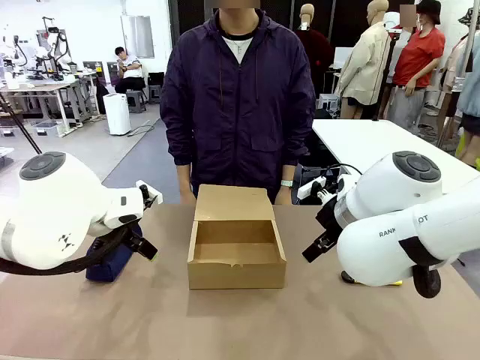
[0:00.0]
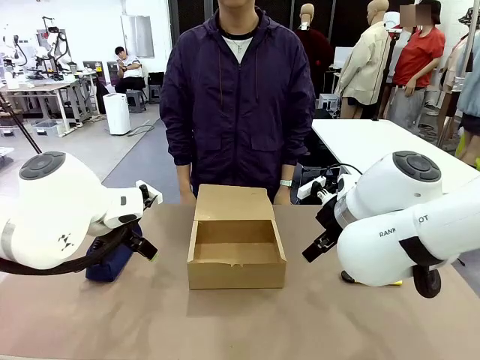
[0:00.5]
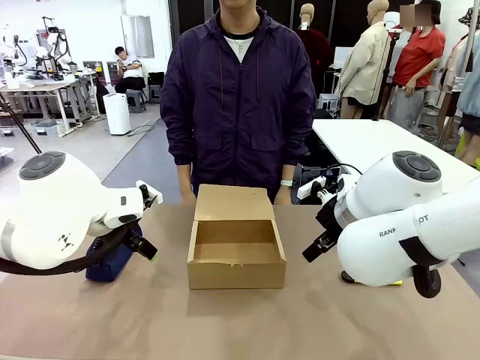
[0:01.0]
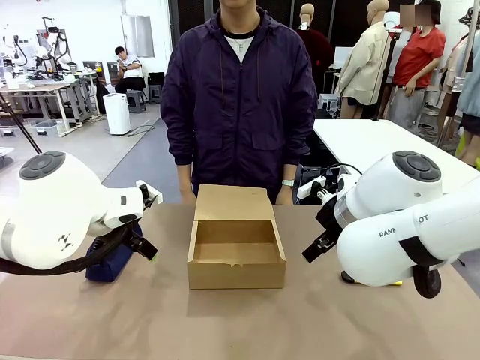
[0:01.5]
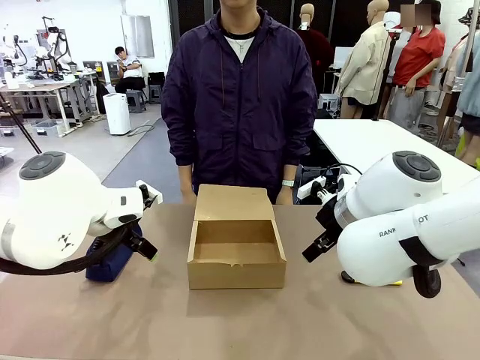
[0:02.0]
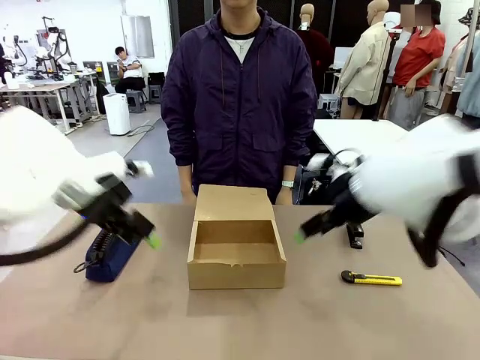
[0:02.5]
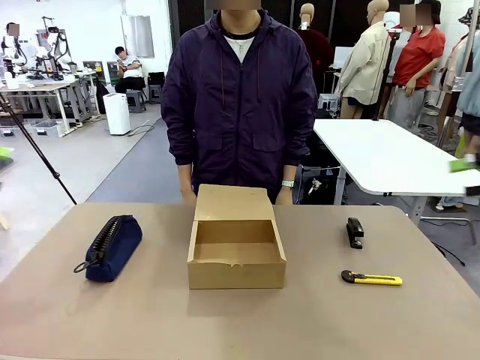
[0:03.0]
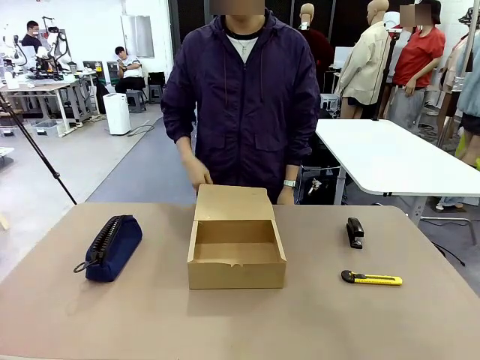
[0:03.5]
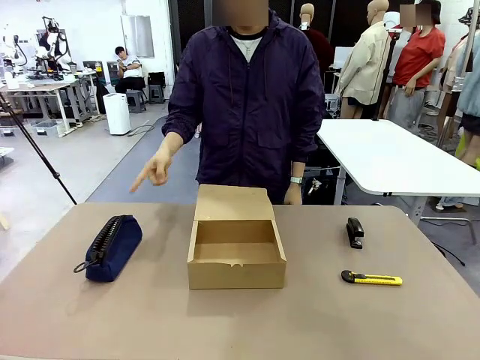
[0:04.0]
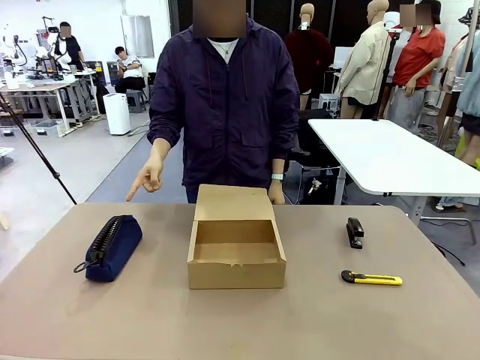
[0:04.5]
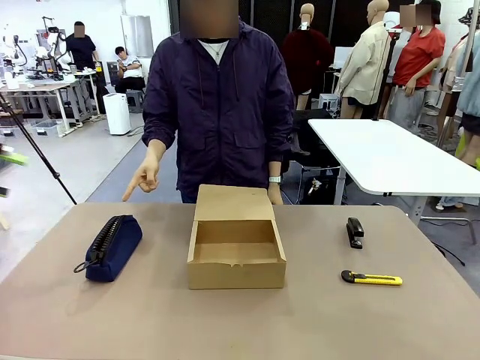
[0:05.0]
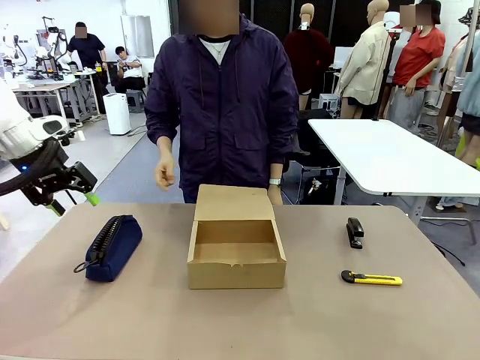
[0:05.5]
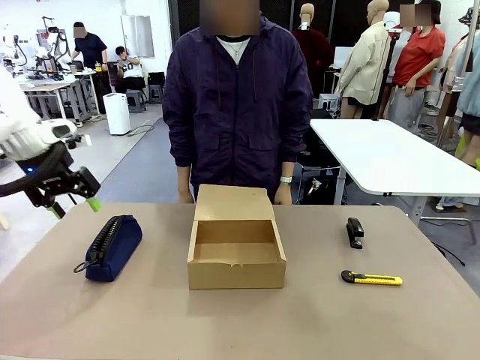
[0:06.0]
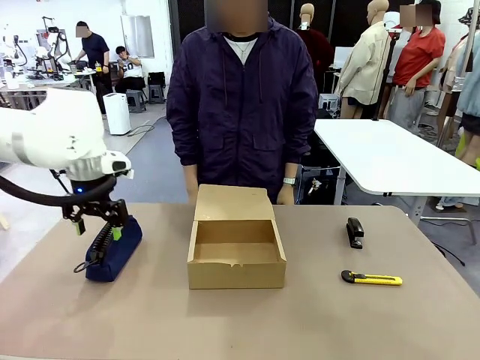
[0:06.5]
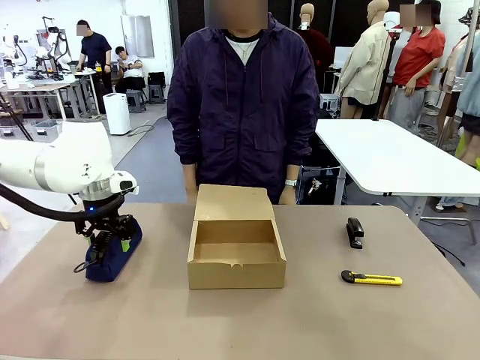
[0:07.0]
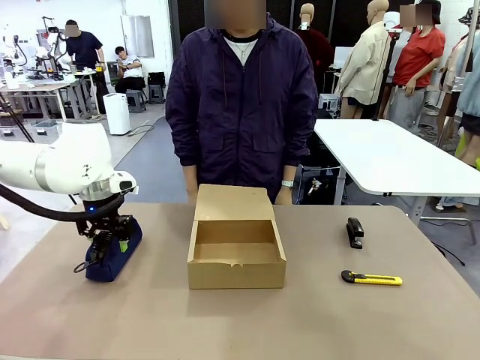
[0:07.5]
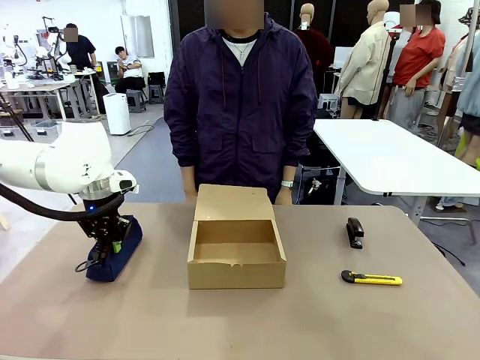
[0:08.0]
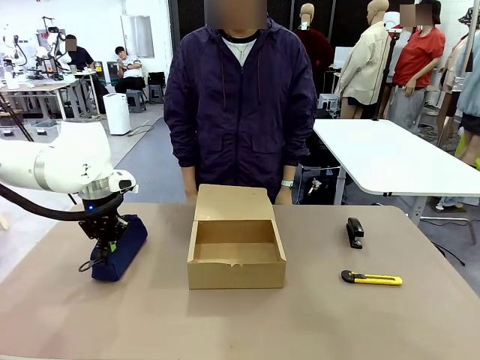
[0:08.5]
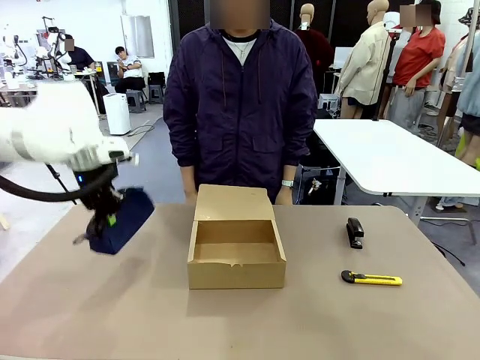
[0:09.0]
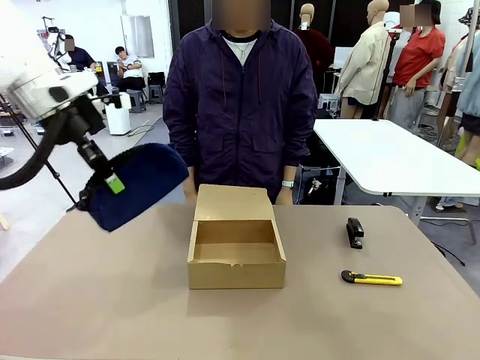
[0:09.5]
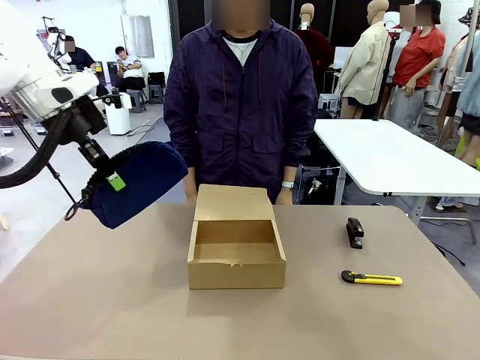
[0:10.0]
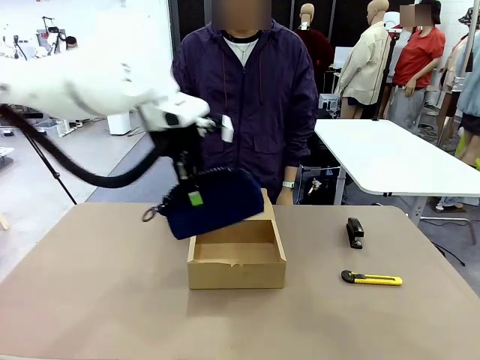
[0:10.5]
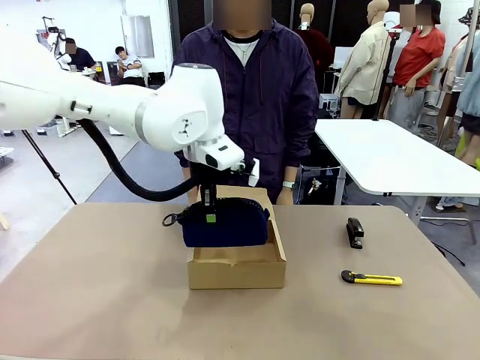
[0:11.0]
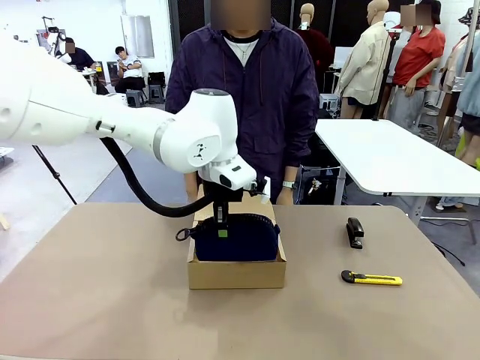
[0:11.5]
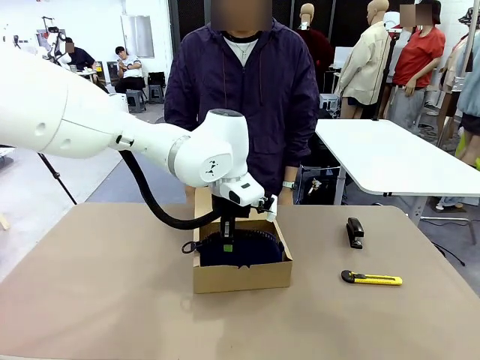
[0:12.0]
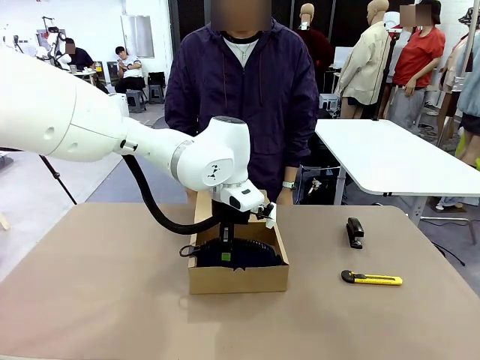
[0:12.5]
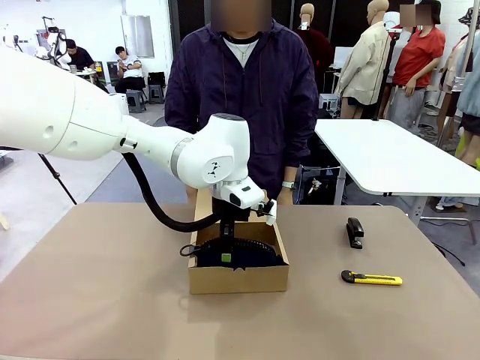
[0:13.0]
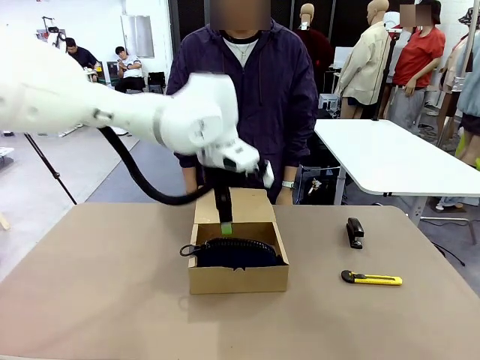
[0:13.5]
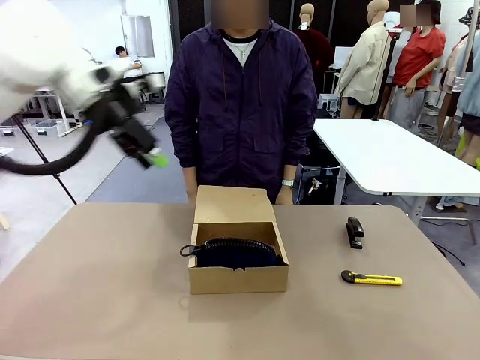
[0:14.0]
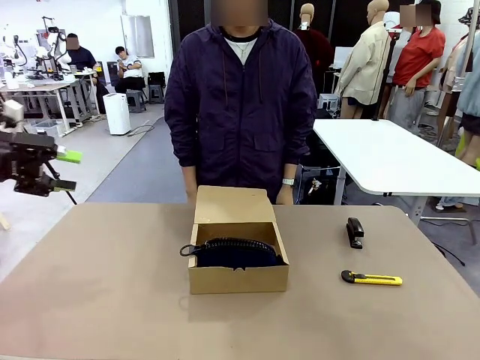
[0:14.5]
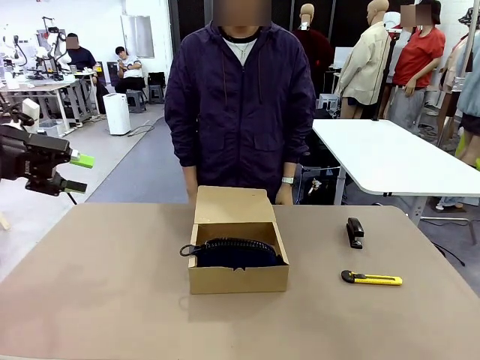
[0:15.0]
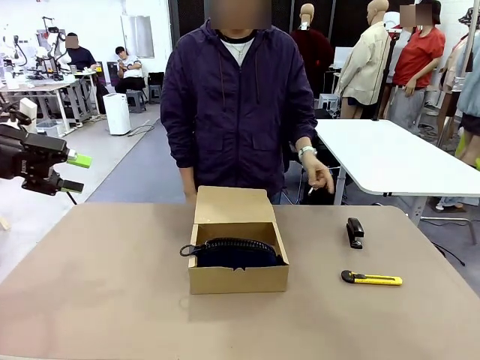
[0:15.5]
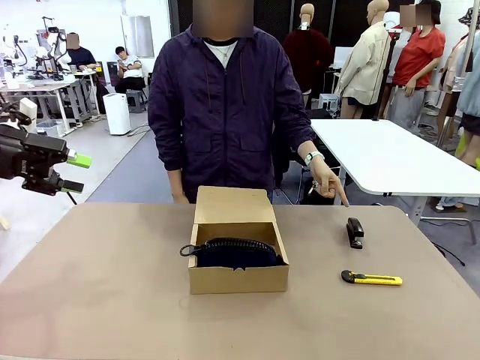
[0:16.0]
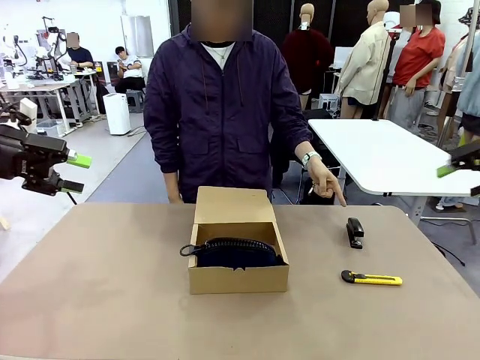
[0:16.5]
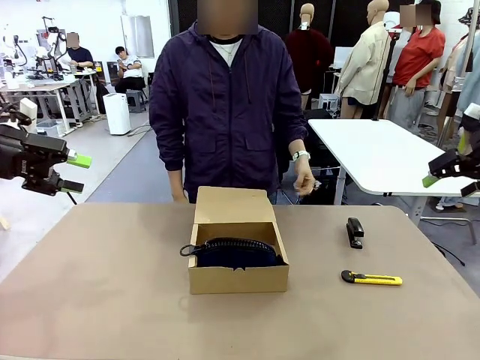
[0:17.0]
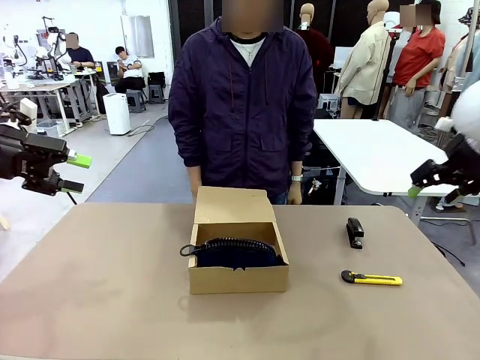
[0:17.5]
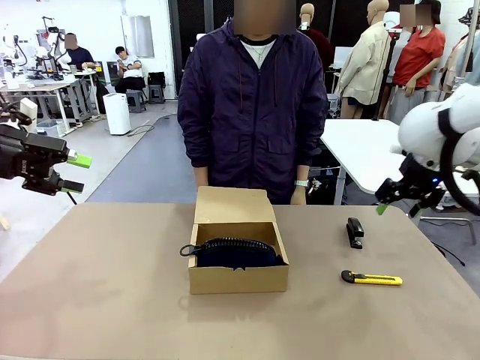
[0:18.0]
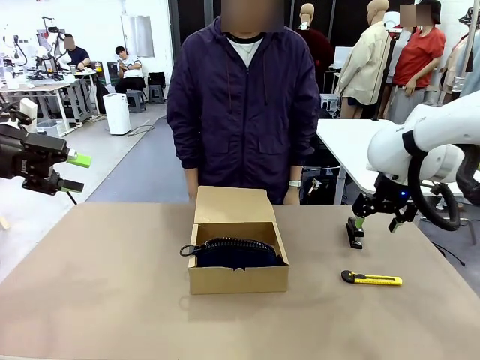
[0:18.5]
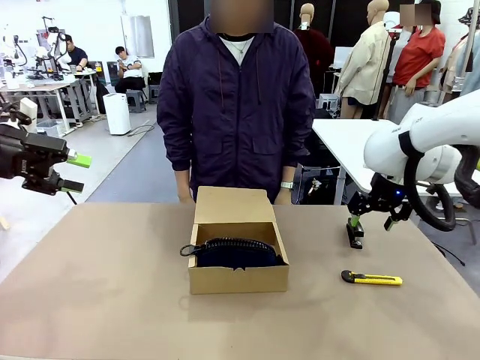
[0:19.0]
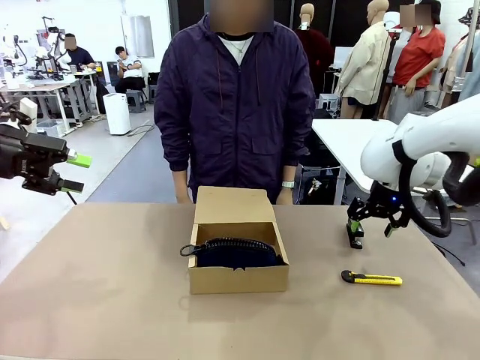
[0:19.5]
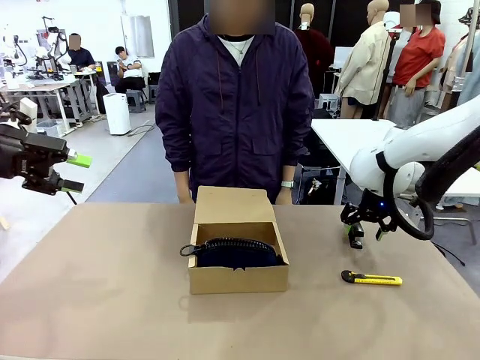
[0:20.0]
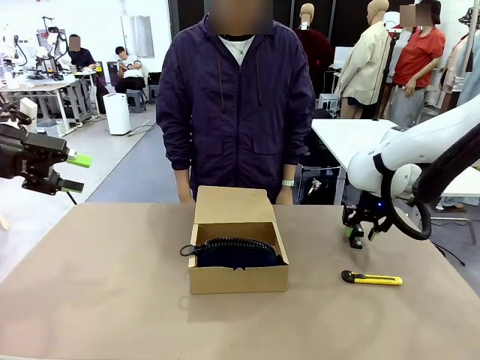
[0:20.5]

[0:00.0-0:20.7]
Task: Pack the items into the box.
Robot: Pick up the item indicated by the person and place it inside the Mailer Box.
Person: Point at one item on the table (excluding the box).

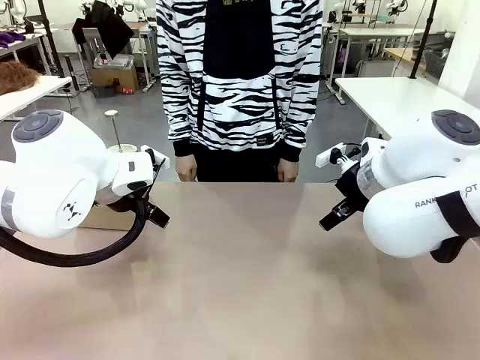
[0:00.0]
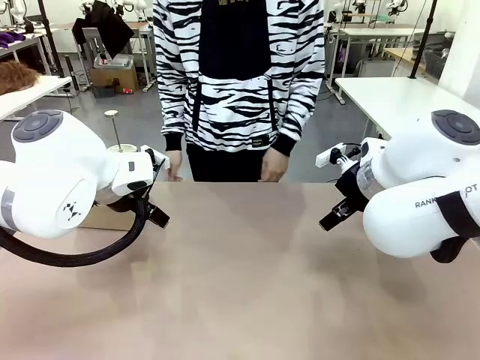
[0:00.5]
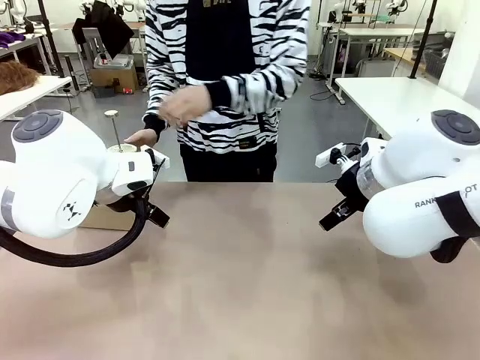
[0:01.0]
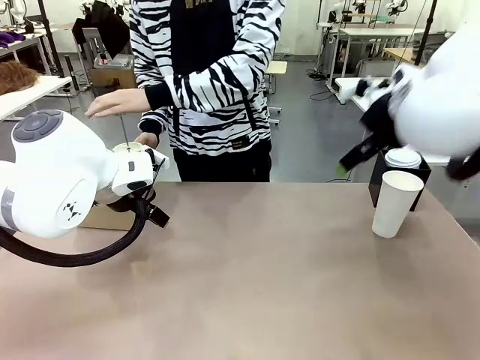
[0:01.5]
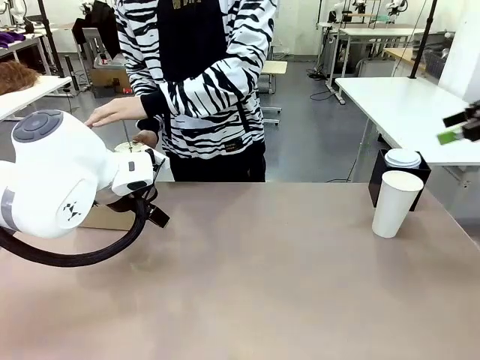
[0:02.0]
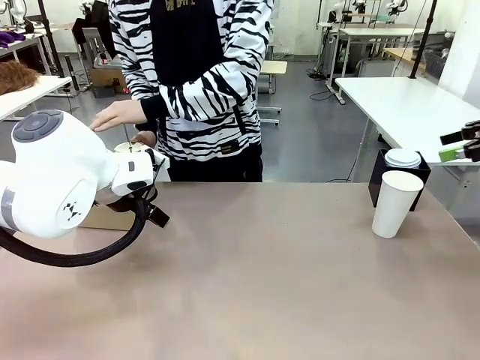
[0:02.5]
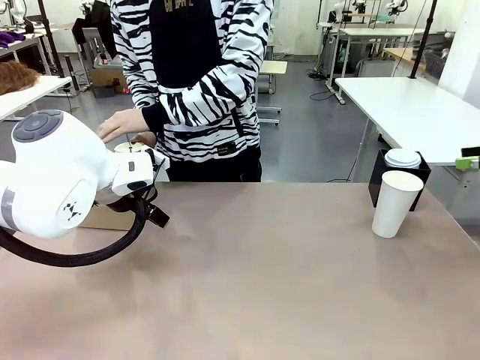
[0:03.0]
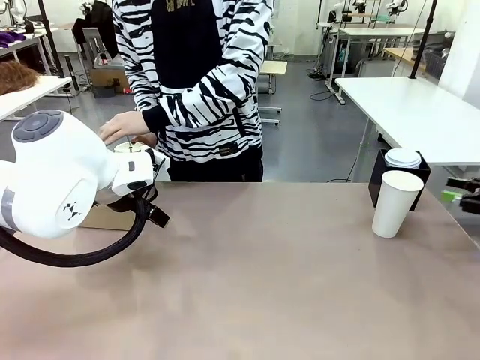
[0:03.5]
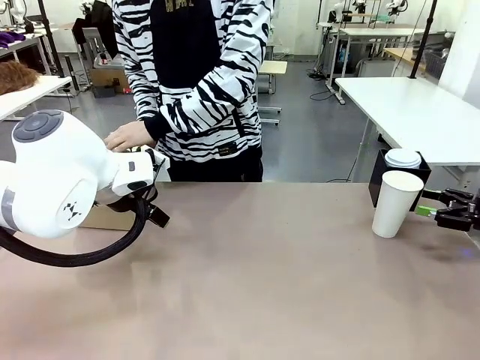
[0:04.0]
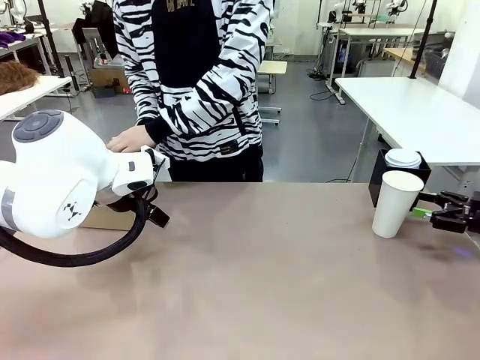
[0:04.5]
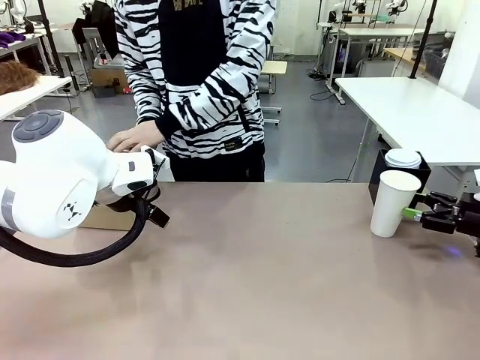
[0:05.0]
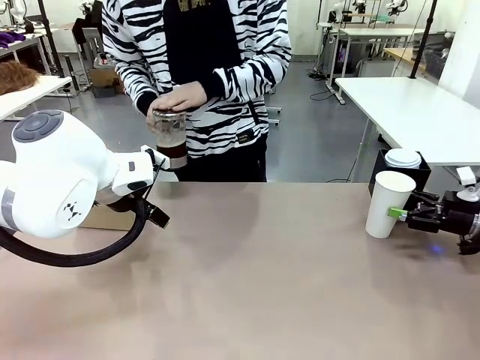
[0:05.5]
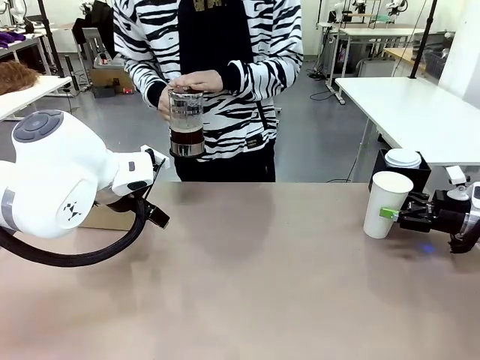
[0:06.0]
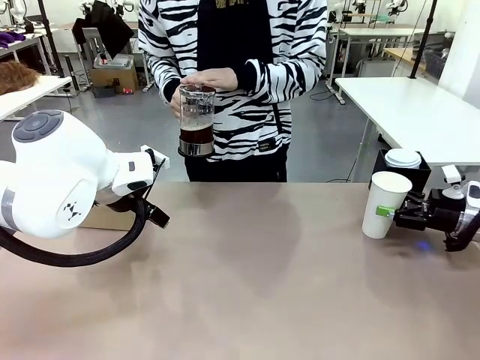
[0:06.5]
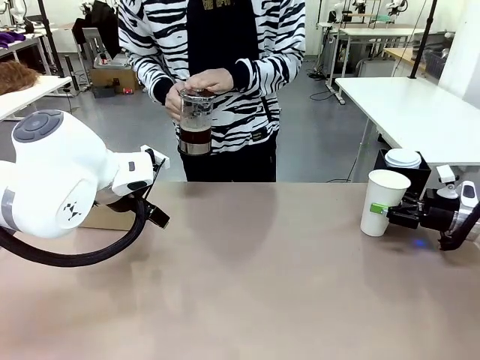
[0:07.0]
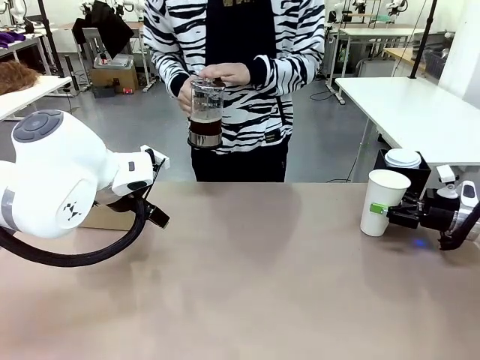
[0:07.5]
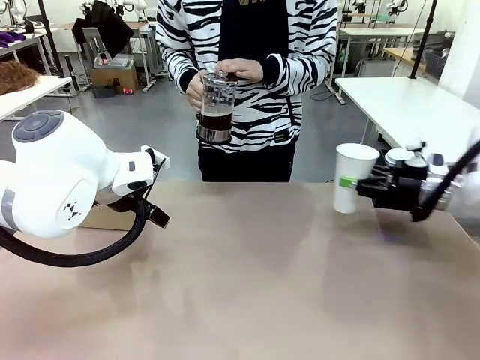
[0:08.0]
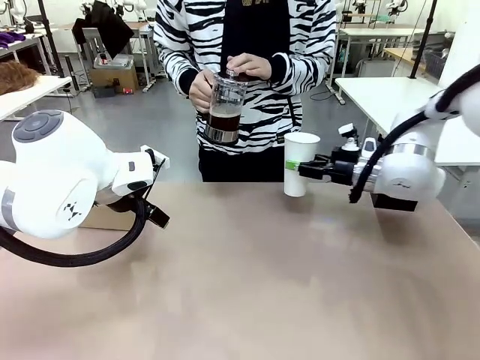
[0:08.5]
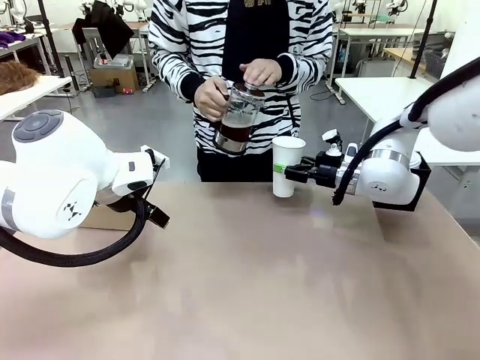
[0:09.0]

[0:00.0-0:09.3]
Task: Pour a drink into a cup and package it in a carrier.
Robot: Pick up the 600 ml Paper Cup and place it in the middle top area of the table.
Person: Press and pick up the Filter Brewing.
